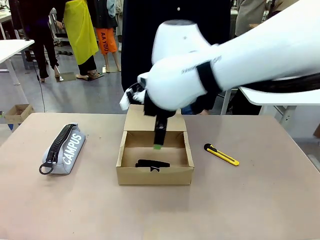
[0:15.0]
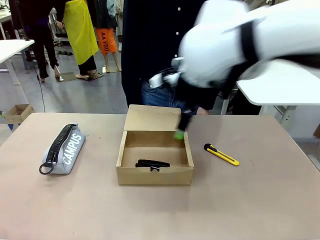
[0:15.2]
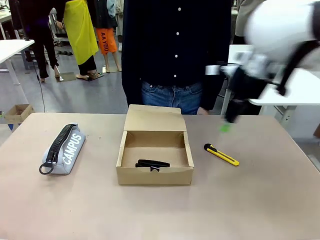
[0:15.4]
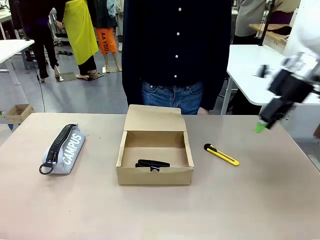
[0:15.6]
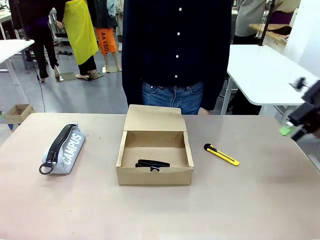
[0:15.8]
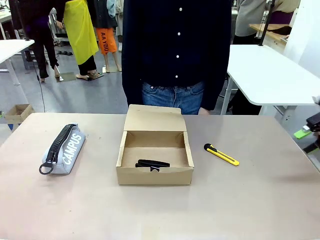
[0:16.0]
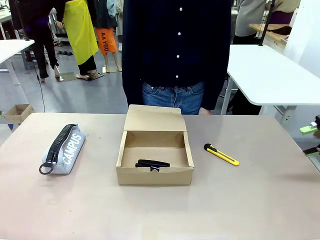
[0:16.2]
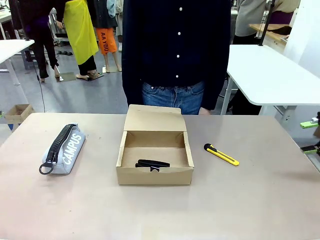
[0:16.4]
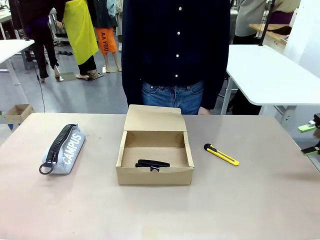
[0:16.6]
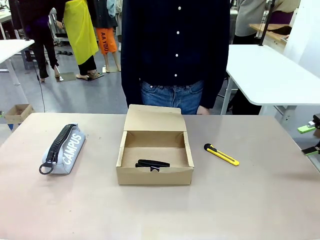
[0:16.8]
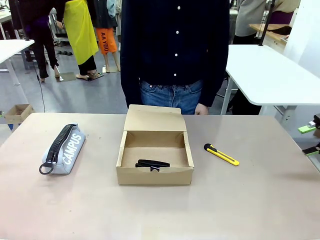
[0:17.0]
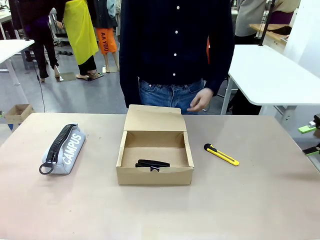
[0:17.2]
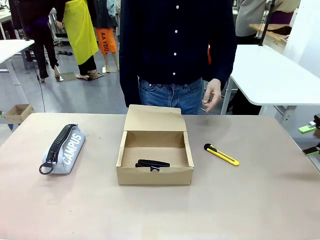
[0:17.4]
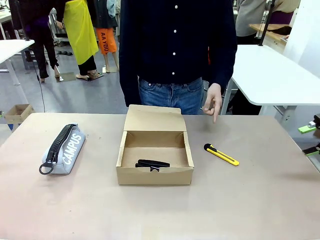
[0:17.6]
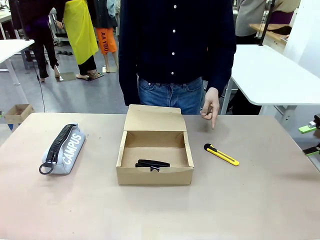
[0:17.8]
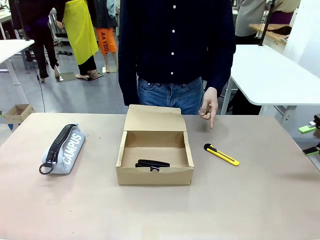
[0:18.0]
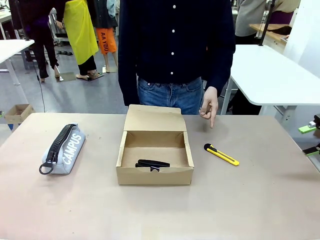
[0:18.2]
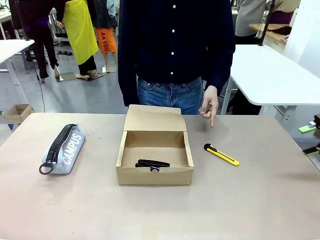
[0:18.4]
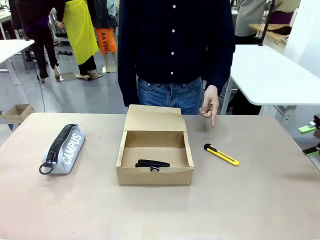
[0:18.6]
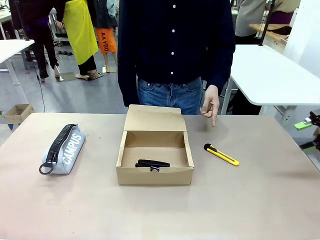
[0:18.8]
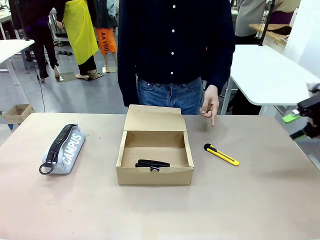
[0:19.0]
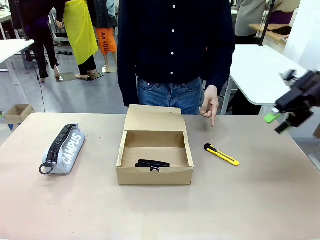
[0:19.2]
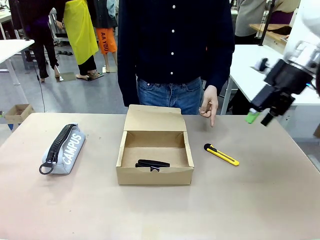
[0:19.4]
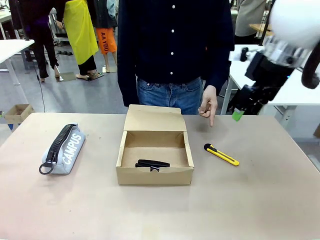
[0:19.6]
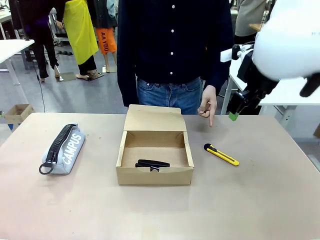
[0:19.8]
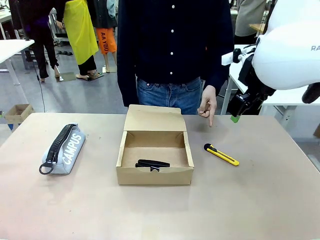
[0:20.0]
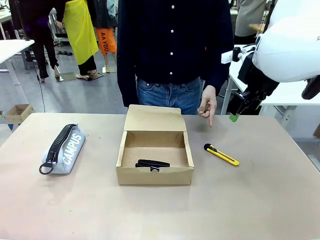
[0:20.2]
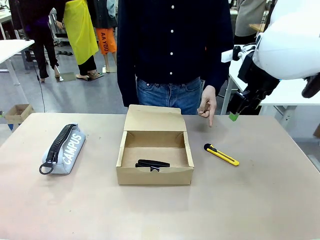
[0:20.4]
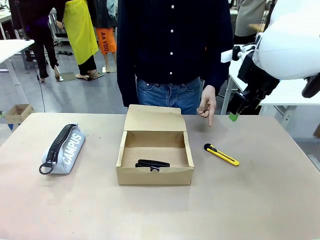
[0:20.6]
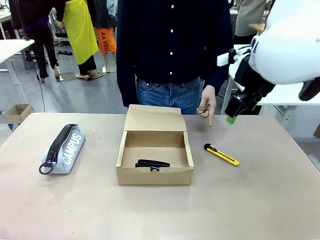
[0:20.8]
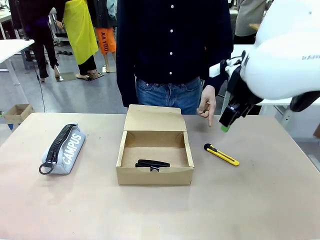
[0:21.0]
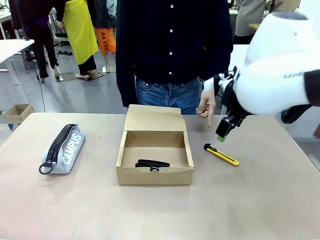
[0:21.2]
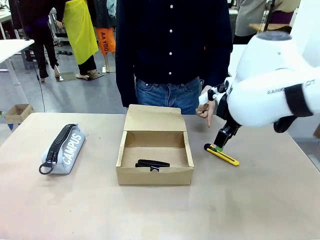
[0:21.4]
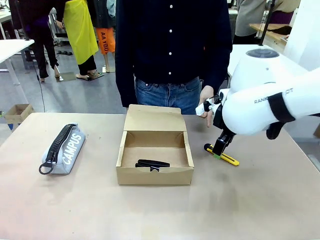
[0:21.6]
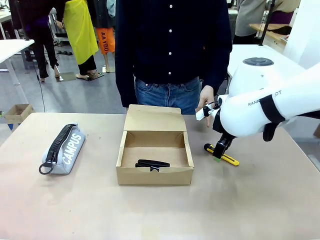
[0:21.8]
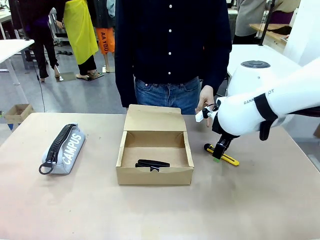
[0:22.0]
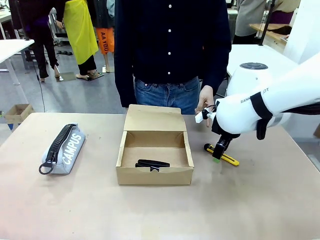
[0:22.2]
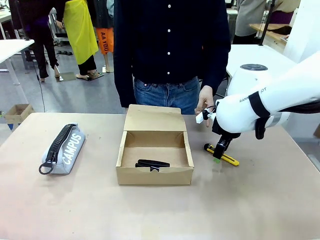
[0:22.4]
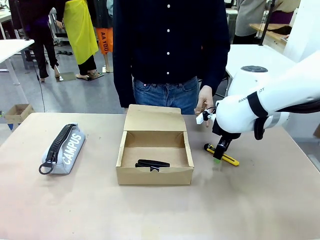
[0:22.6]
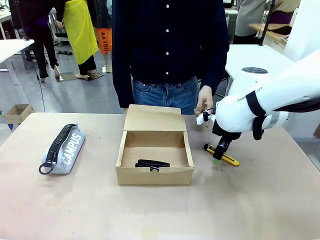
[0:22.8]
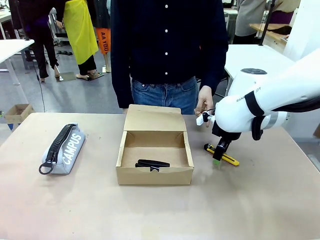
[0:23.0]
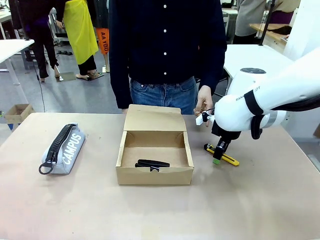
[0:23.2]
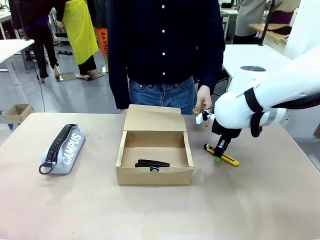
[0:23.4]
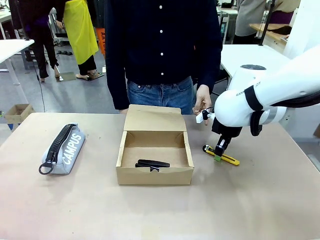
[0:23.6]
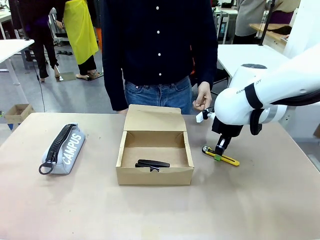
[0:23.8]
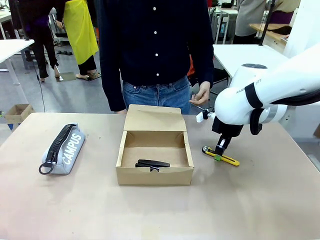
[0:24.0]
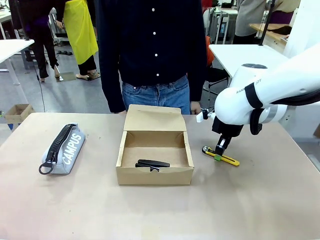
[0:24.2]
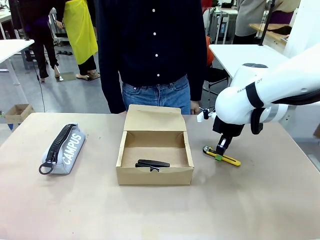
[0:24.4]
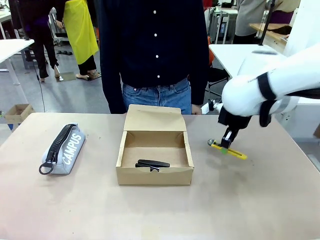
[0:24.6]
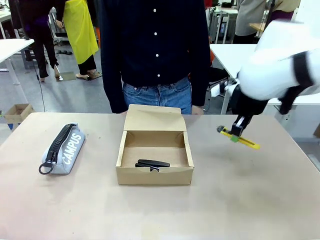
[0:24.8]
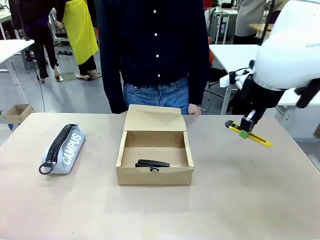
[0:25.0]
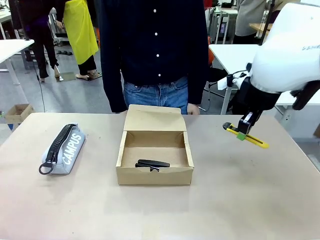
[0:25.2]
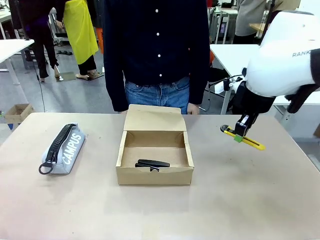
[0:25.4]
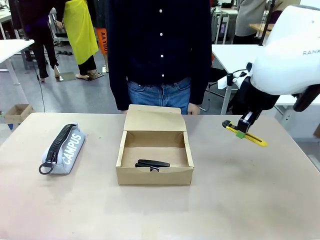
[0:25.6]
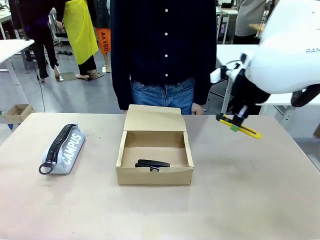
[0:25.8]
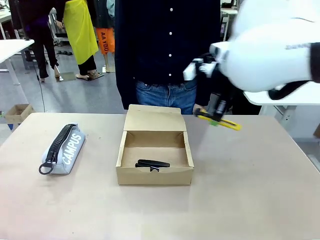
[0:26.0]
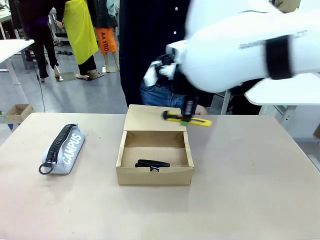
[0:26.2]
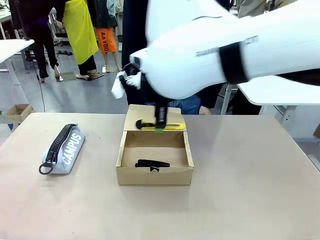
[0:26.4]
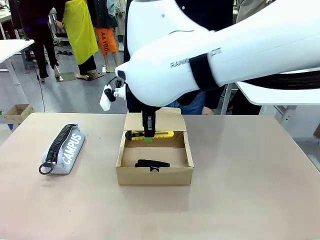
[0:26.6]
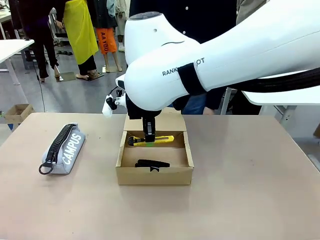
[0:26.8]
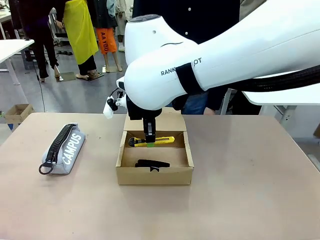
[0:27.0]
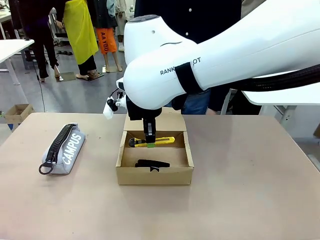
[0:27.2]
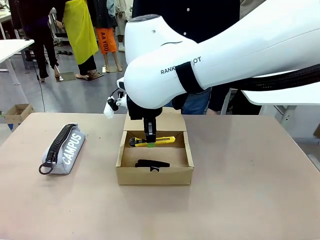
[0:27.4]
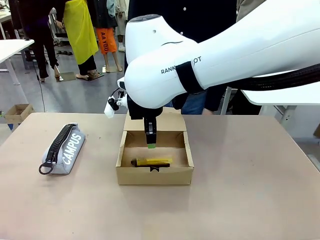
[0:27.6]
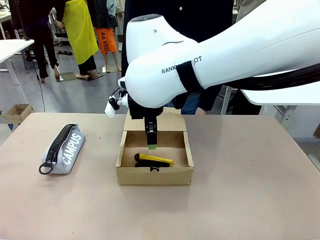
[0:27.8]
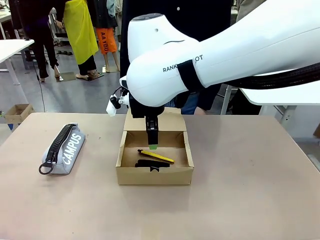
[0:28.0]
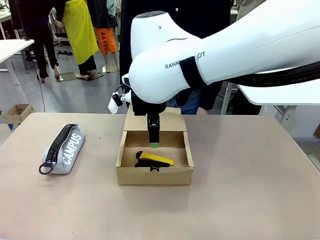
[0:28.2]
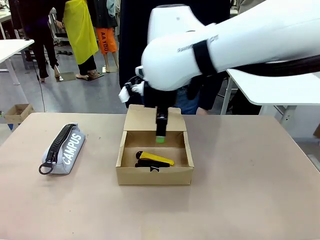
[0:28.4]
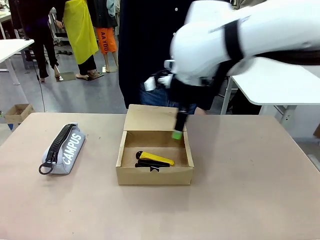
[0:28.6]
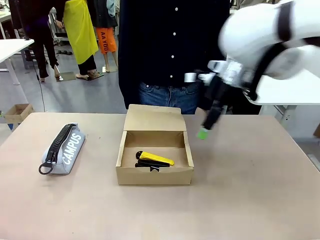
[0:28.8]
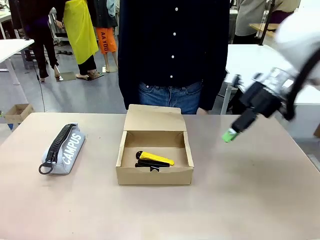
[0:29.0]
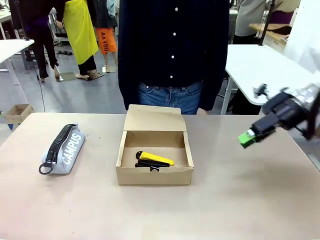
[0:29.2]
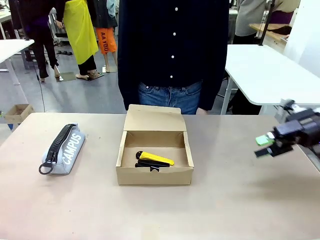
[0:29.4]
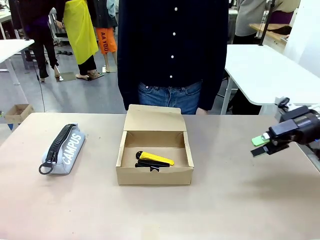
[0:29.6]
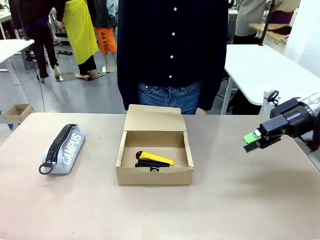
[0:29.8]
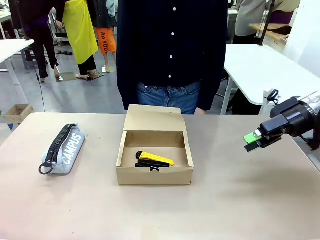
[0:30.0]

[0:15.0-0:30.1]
Task: Pack the items into the box.
Robot: Pick up the item specified by the human and place it in the Mailer Box.
Person: Lower both hands vertically with palms facing downward, as if pressing something closed.
